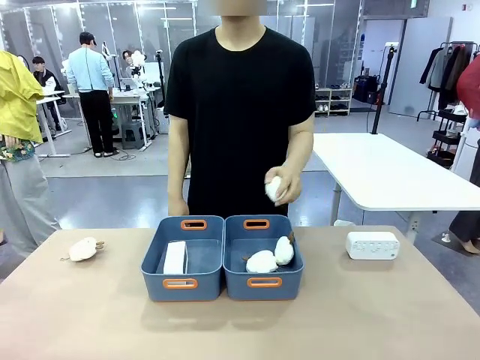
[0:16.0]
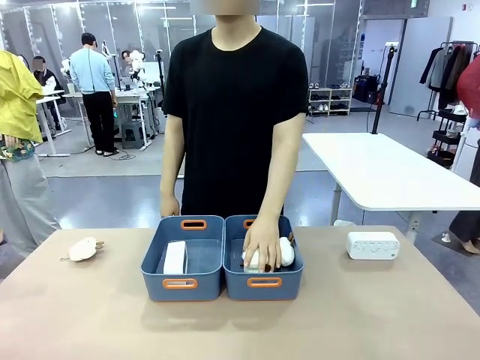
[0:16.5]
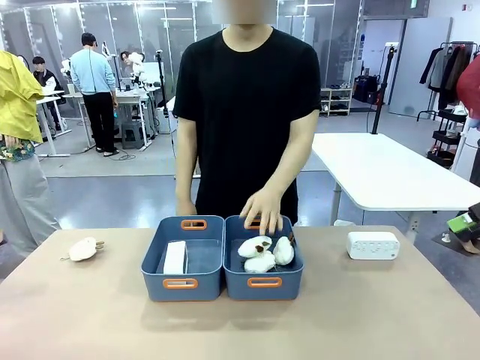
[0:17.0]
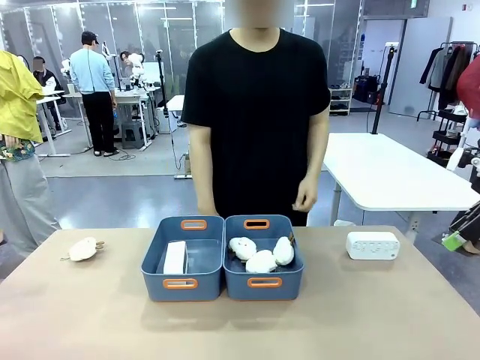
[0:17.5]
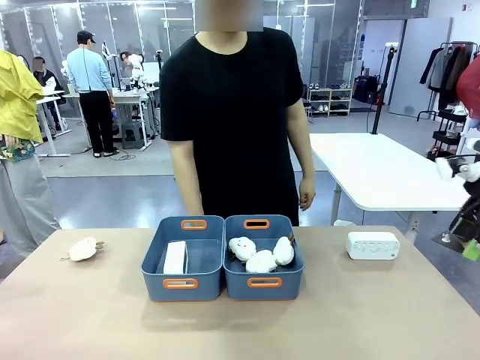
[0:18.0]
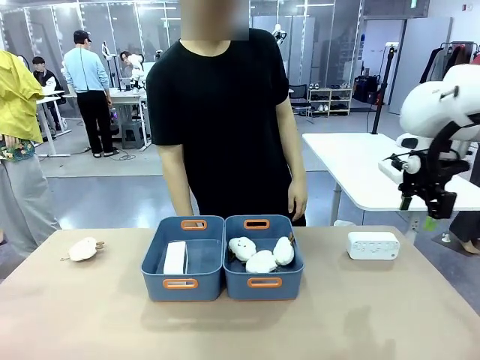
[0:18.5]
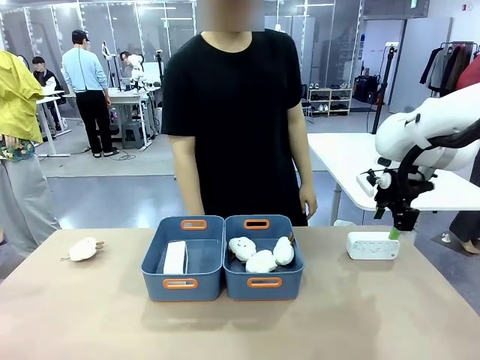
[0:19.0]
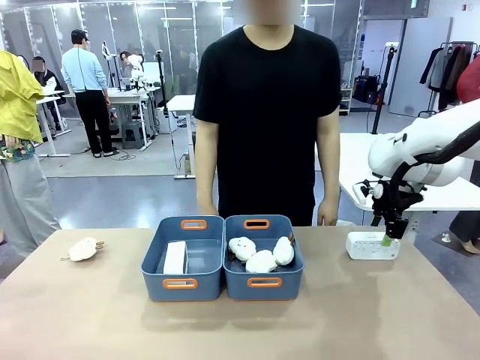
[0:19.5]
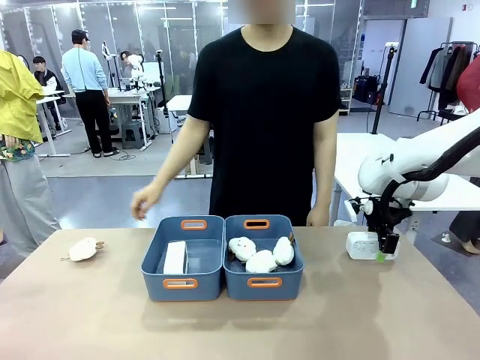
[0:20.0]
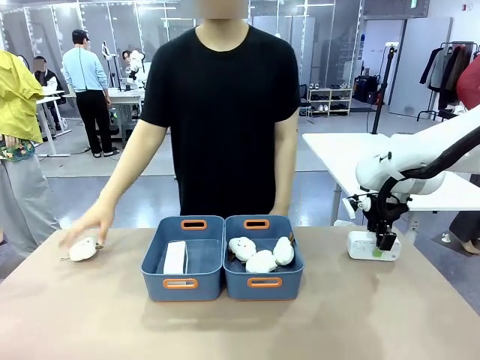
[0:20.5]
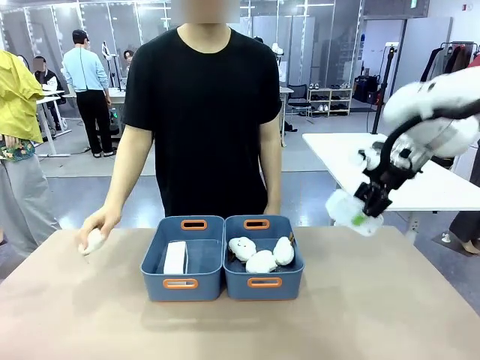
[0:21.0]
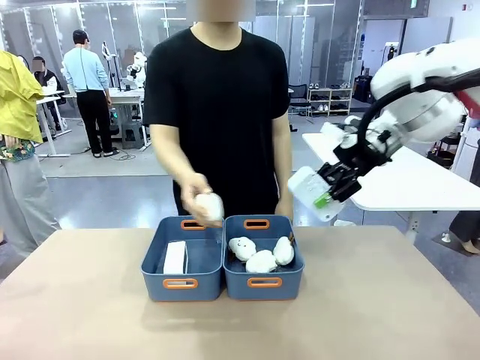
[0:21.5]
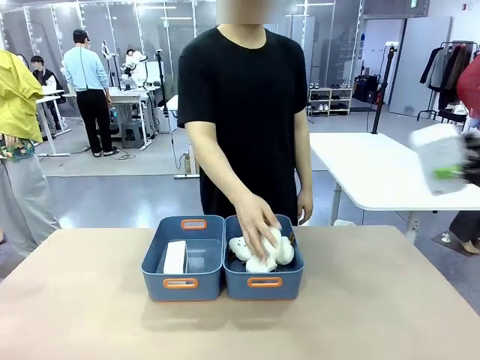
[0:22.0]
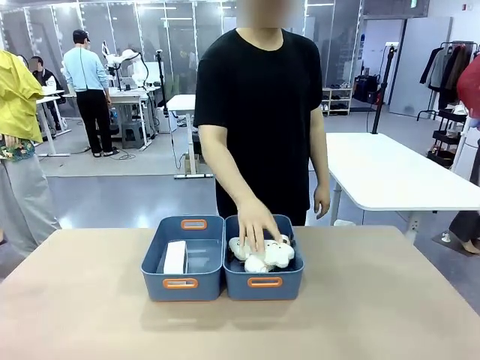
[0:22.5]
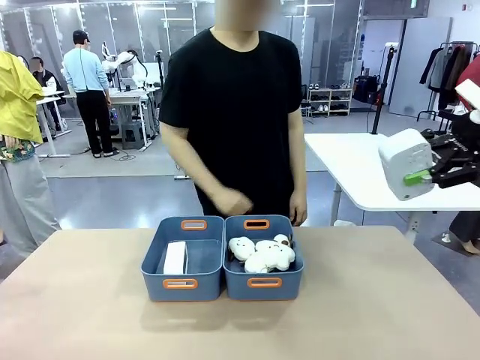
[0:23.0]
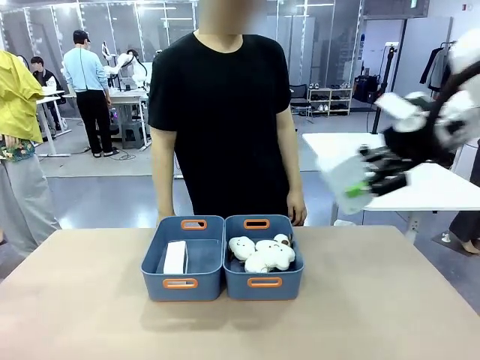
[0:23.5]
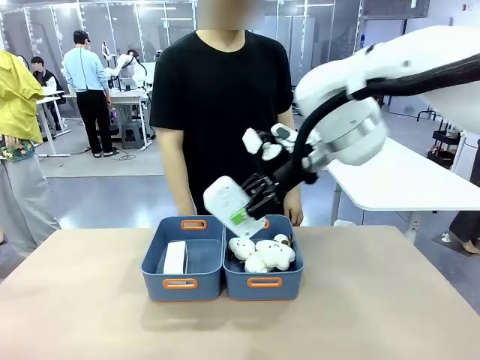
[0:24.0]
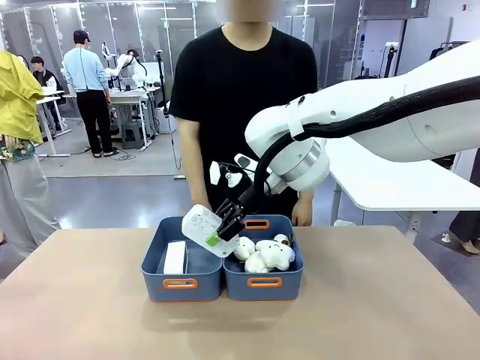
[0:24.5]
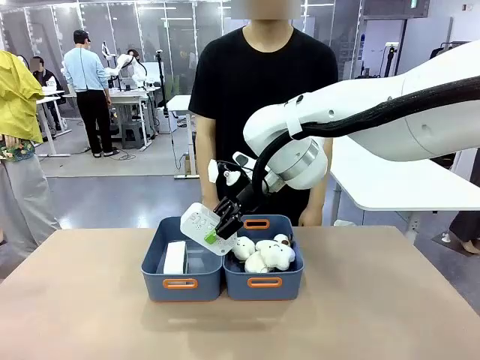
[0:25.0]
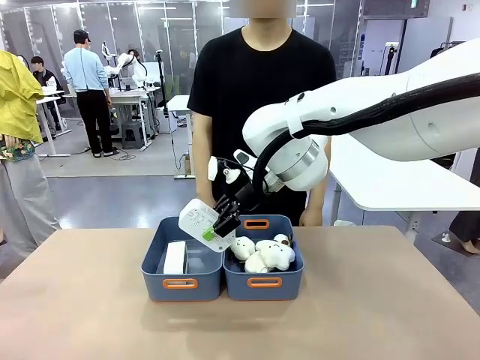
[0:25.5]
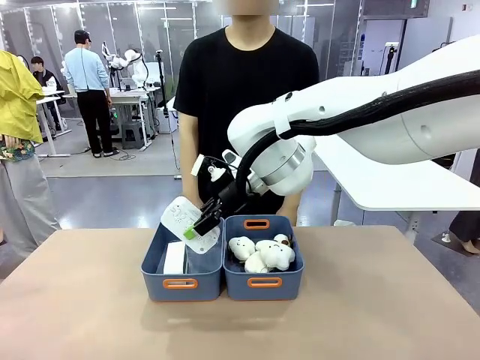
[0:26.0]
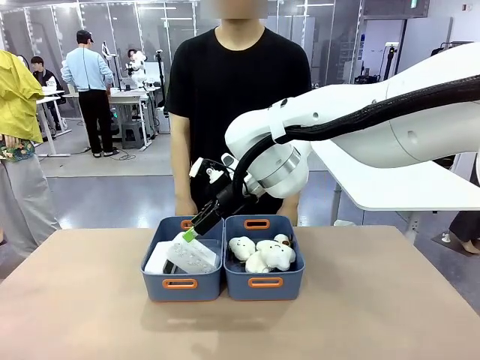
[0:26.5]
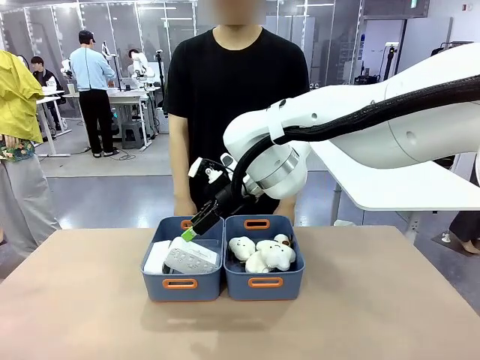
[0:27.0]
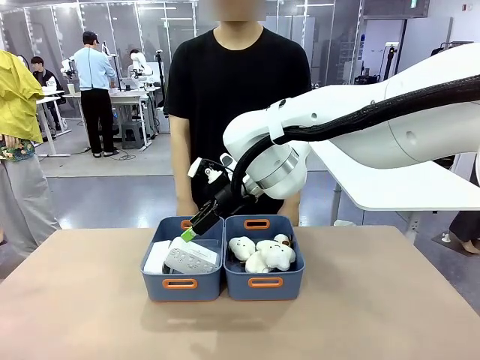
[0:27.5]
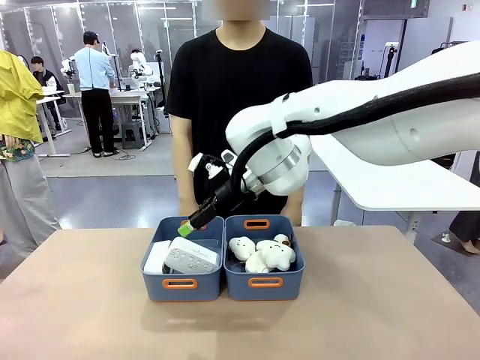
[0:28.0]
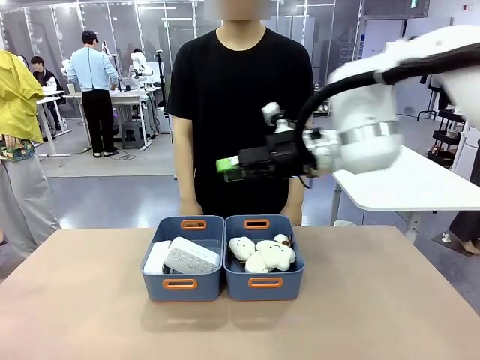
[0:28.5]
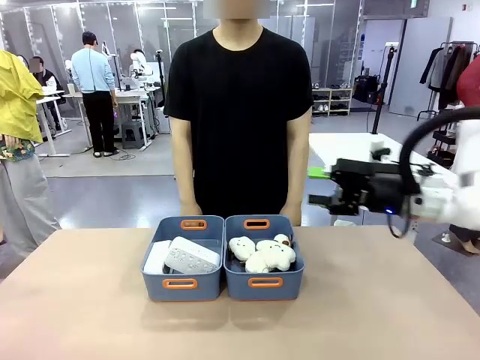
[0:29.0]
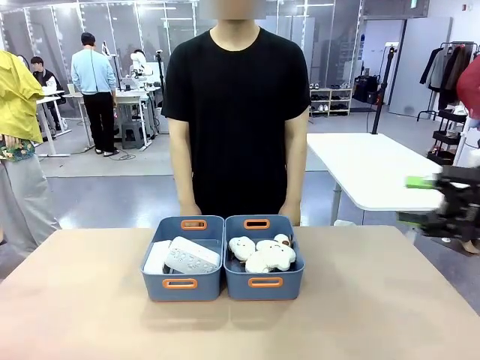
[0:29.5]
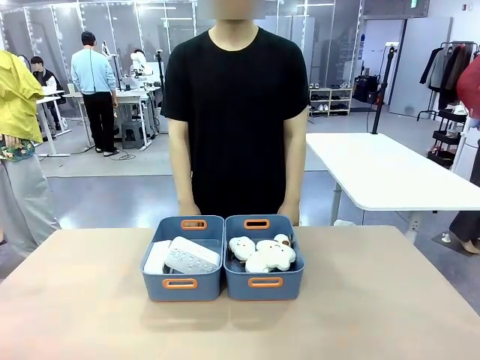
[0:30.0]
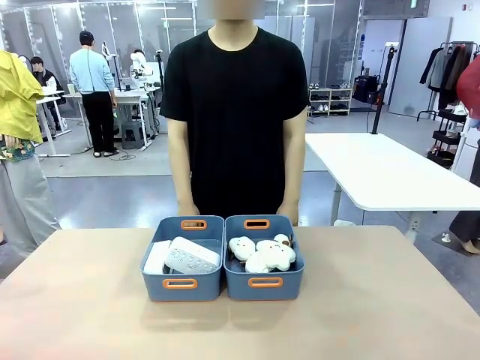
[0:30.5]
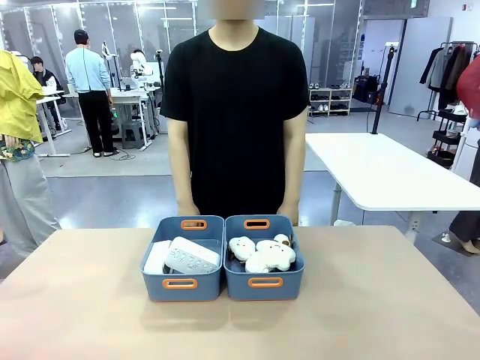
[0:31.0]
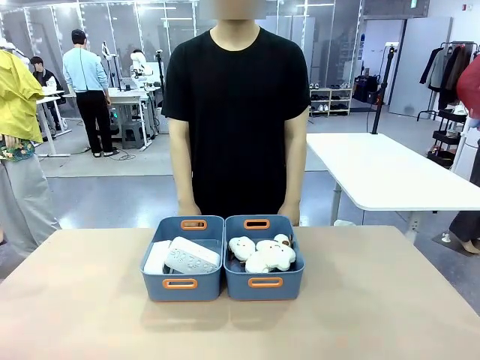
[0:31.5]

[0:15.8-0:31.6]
Task: Sort the digital clocks into the basket.
Robot: Pick up the Digital clock from the table and place it into the empty Plastic storage basket.
Person: Pick up a plush toy from the table and place it in the plastic storage basket containing the plush toy.
